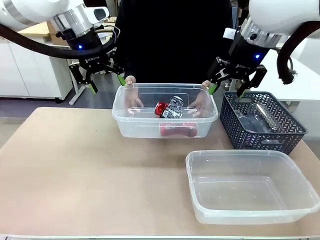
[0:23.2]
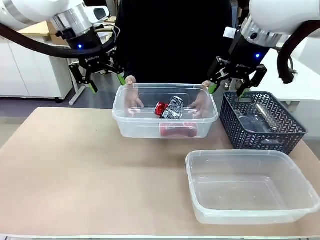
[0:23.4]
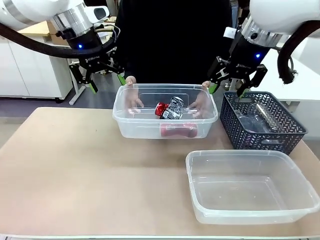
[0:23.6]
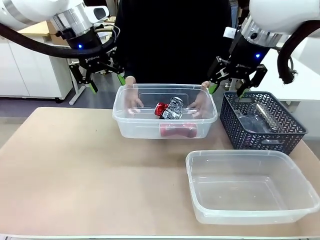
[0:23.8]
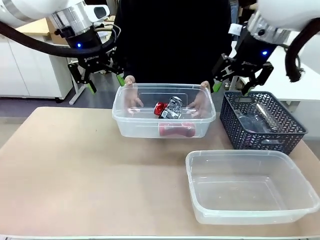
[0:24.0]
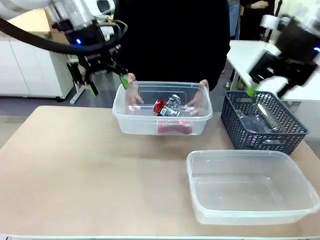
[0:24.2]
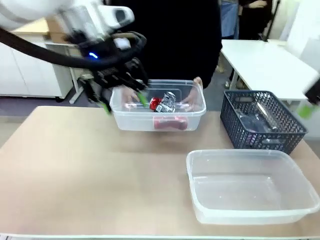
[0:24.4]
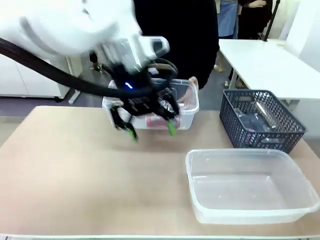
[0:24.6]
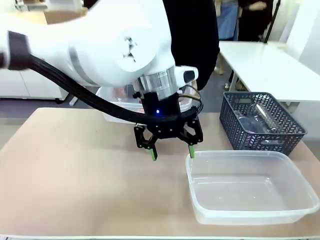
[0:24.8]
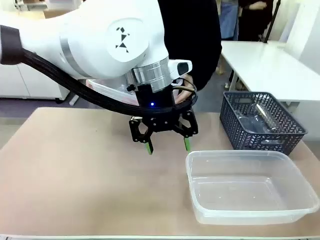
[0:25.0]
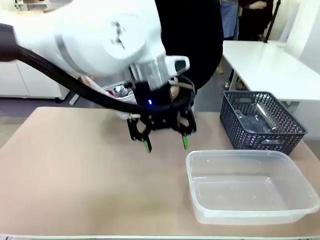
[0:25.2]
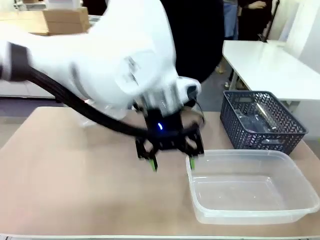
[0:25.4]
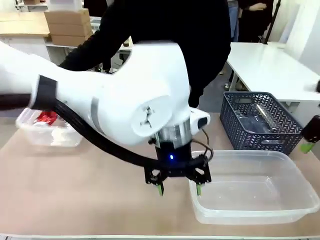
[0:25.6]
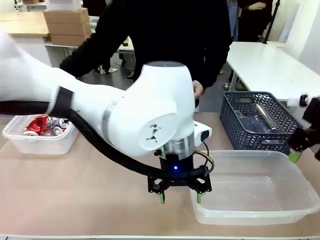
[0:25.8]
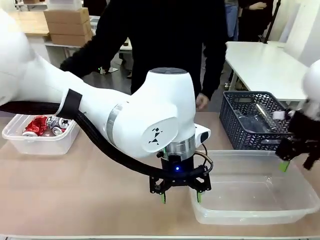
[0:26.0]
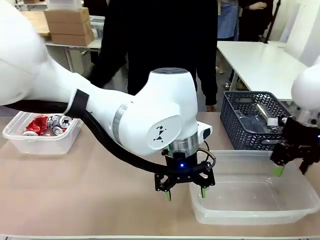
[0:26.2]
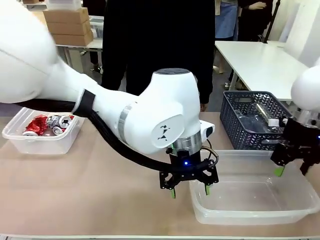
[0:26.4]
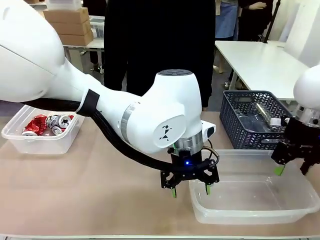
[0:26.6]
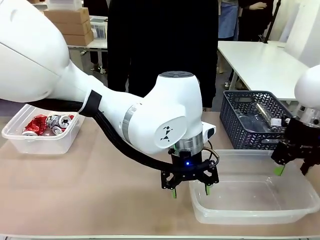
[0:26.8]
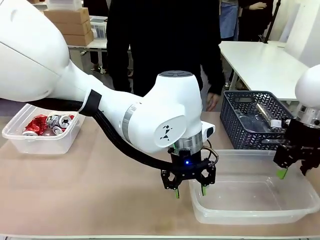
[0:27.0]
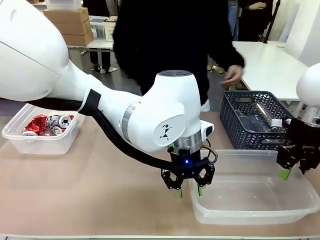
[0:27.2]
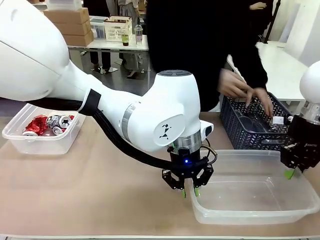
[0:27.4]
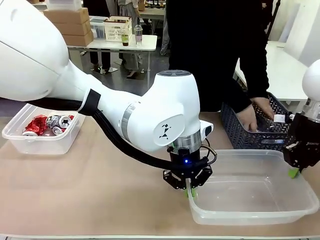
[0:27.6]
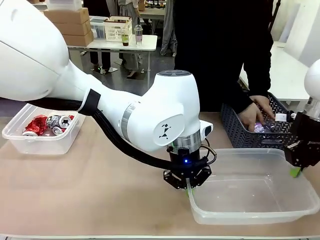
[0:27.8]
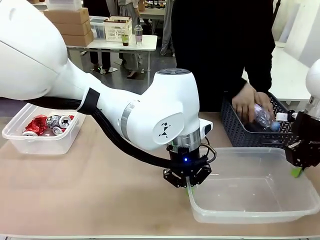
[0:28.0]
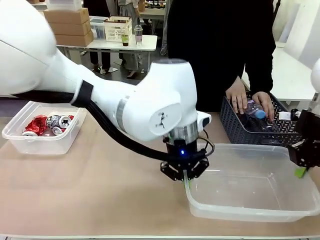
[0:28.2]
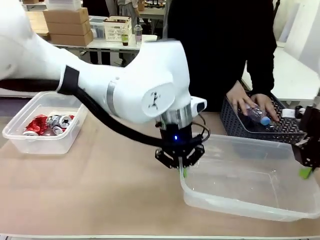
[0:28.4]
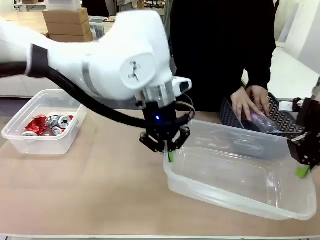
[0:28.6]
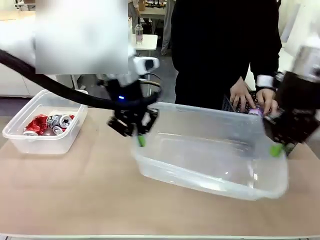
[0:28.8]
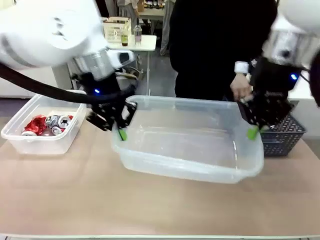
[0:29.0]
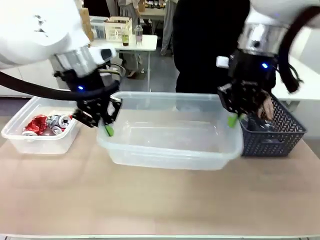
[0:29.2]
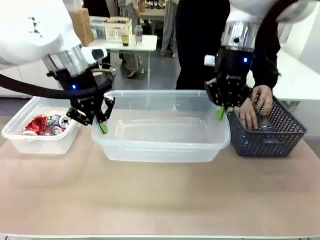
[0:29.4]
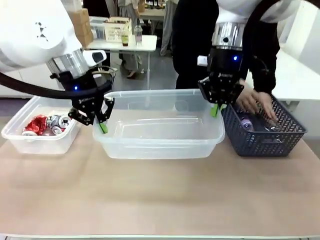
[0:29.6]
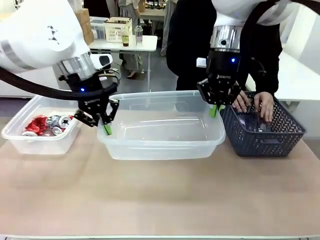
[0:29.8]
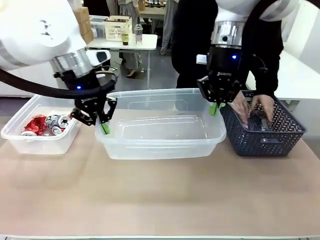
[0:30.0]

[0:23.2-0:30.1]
Robot: Pick up the Organizing box on the right side of the table and lift it.
Person: Place it at the edge of the bottom right area of the robot table.

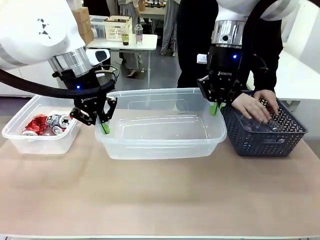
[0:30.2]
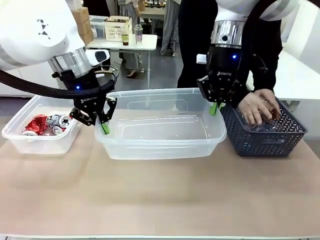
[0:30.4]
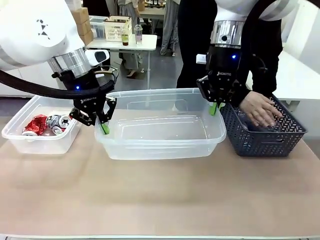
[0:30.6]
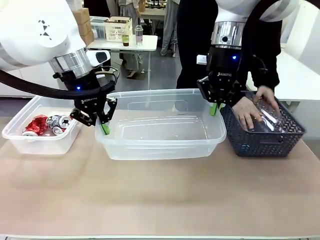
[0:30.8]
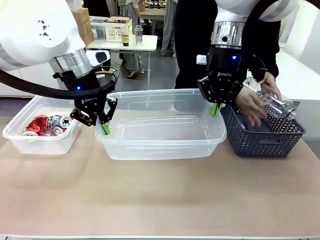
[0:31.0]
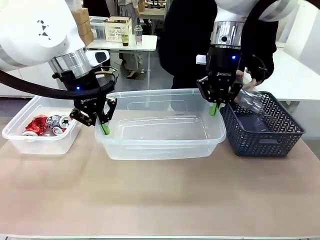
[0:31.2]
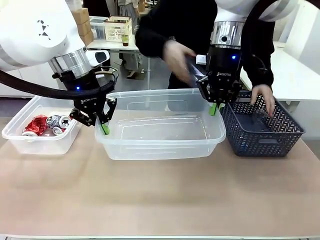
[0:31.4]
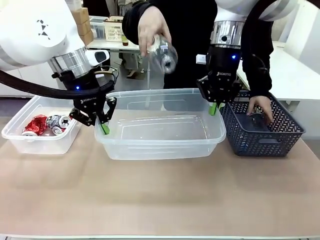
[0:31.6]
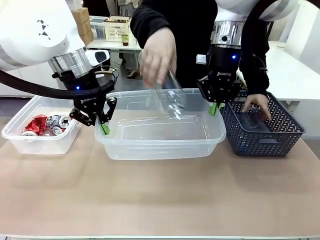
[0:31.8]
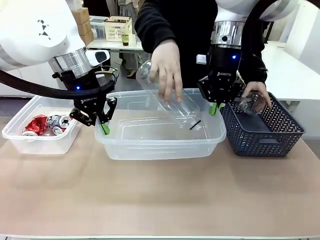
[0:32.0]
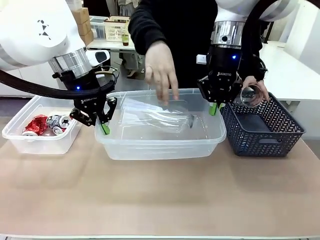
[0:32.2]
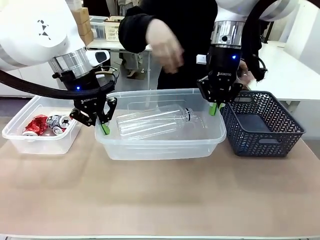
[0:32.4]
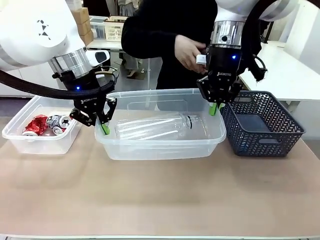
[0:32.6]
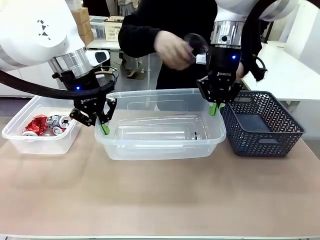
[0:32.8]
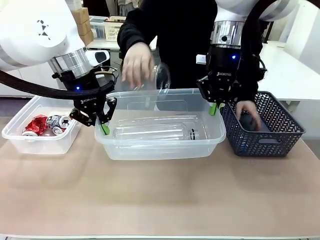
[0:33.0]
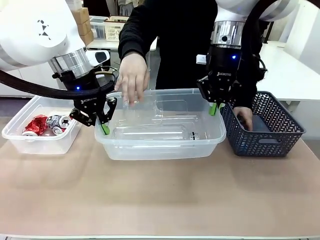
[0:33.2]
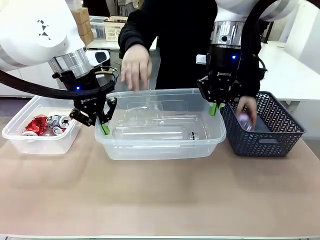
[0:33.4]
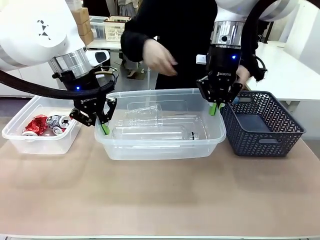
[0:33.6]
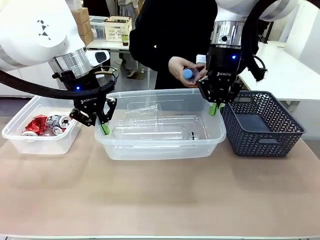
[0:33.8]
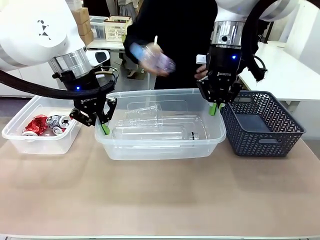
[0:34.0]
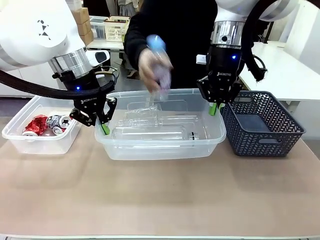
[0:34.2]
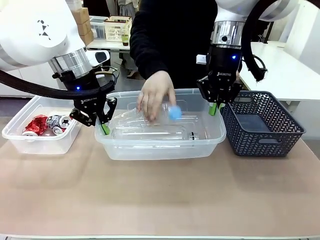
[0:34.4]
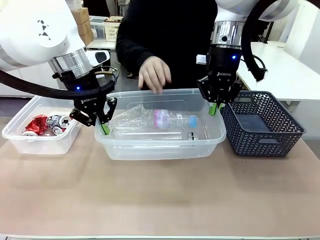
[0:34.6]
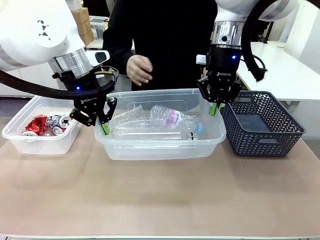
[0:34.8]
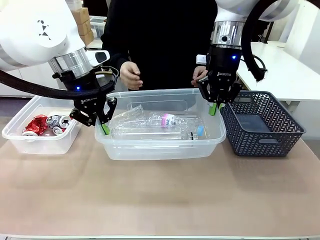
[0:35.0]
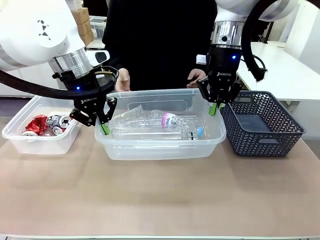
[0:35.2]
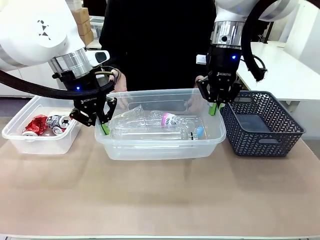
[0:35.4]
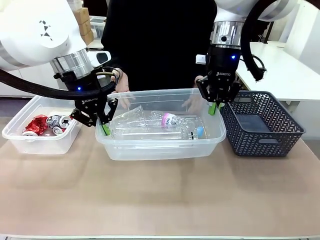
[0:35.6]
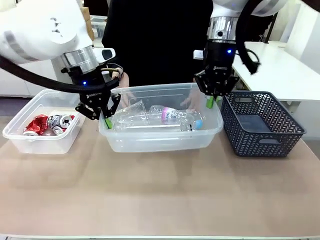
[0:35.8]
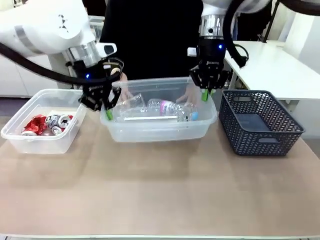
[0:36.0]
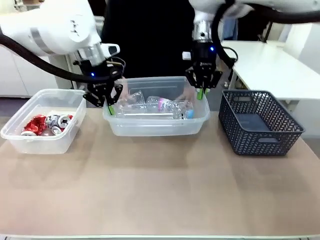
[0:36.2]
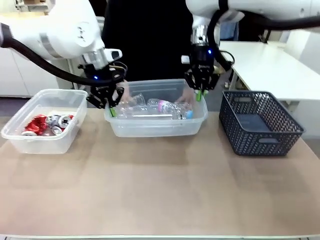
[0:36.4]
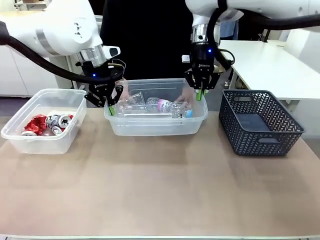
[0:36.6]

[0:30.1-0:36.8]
Robot: Offer the picked Organizing box to the human.
Person: Pick up plastic waste one by one and place it into the organizing box lifted by the robot.

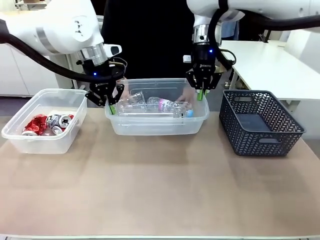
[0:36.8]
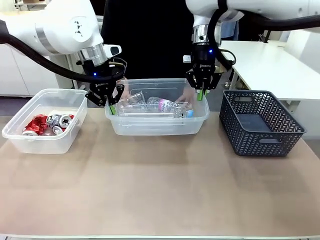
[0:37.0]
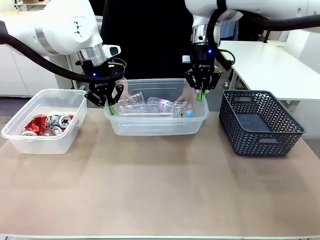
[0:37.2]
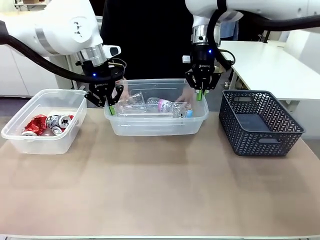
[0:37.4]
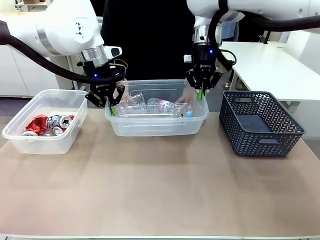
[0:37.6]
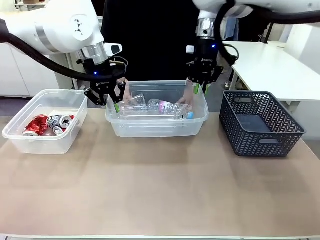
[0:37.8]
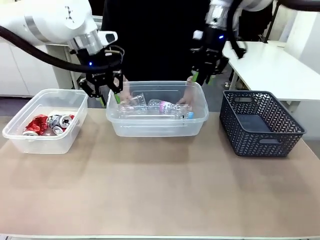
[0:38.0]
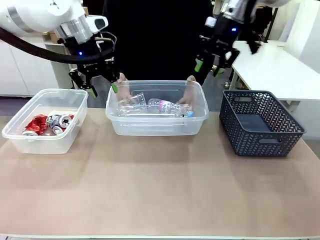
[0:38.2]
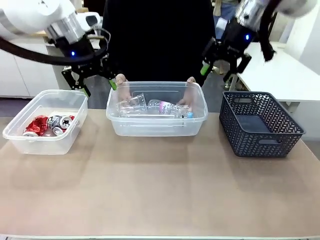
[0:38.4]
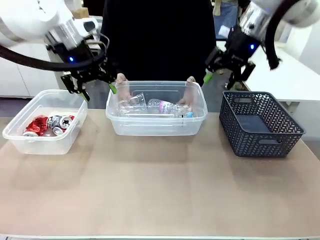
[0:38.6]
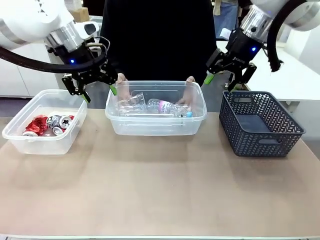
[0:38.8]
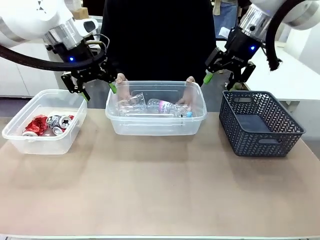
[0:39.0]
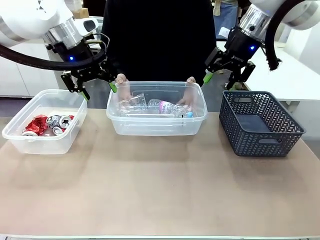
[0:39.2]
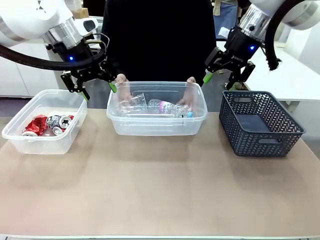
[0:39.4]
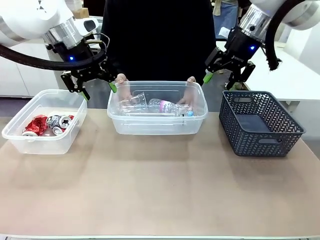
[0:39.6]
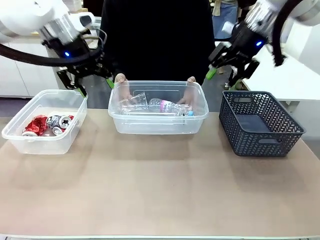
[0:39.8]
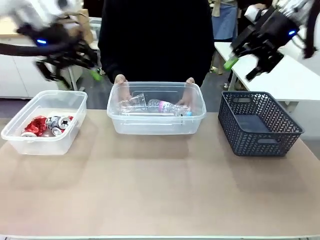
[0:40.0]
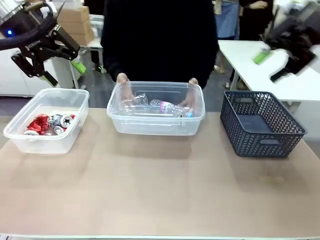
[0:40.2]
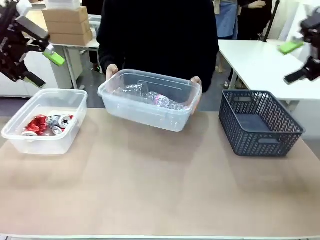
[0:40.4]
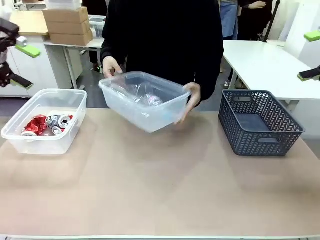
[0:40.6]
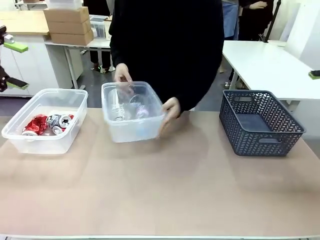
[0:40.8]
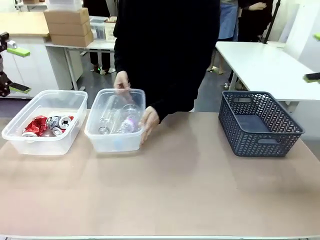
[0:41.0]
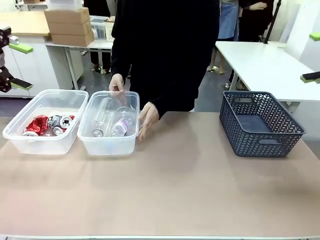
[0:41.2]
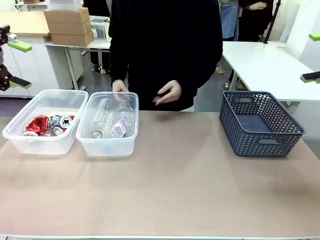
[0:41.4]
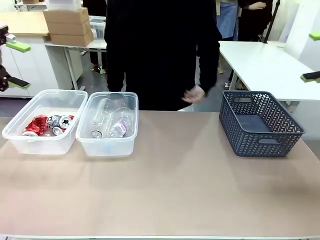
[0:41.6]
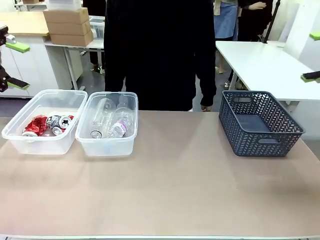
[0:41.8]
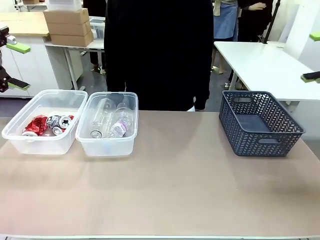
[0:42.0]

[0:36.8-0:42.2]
Robot: Release the Organizing box you were holding.
Person: Pick up the organizing box extended by the robot. Place the organizing box to the left of the sorting box containing the can waste.
